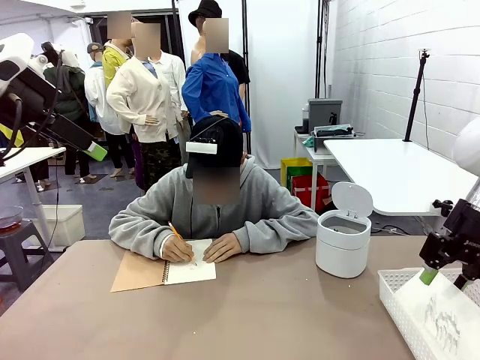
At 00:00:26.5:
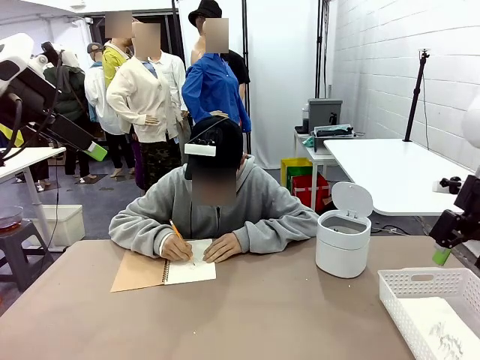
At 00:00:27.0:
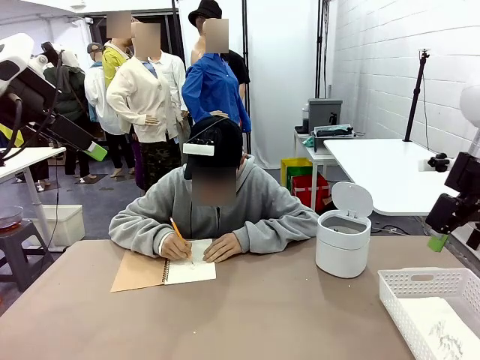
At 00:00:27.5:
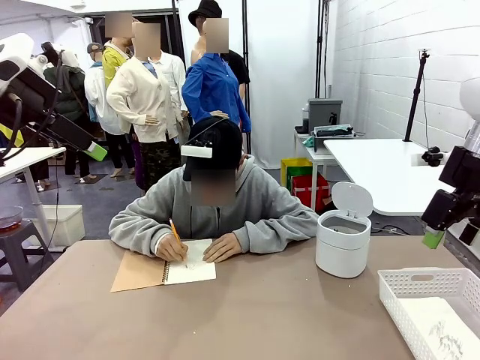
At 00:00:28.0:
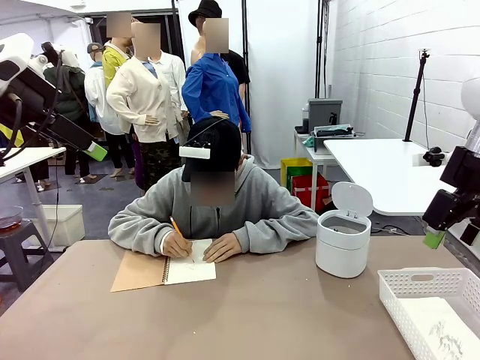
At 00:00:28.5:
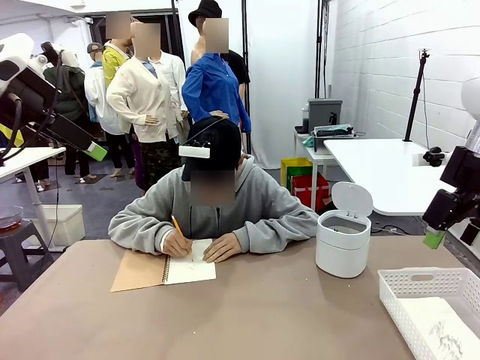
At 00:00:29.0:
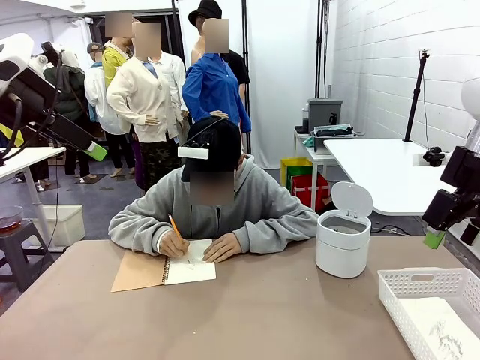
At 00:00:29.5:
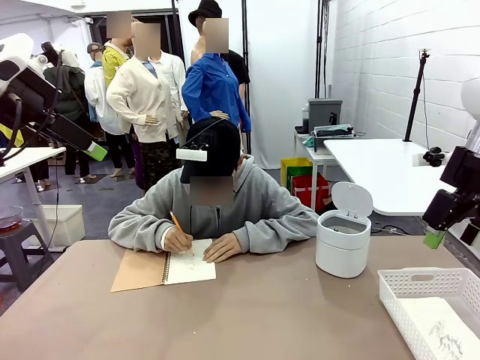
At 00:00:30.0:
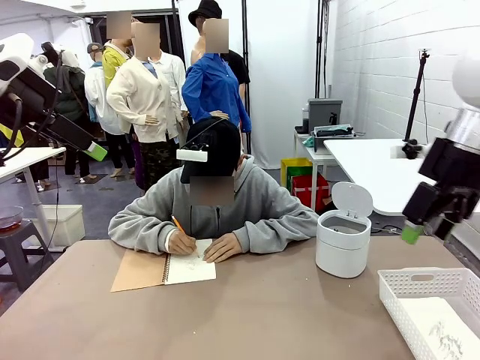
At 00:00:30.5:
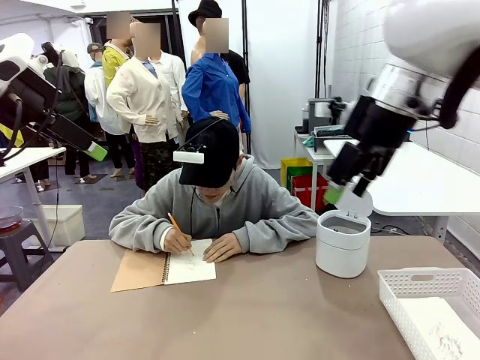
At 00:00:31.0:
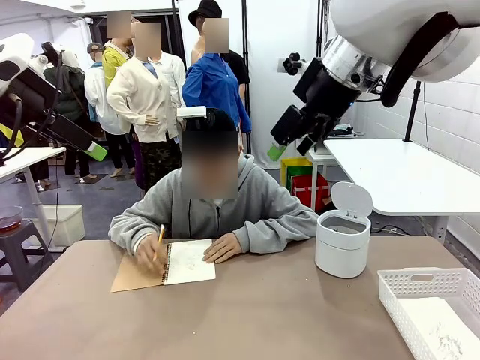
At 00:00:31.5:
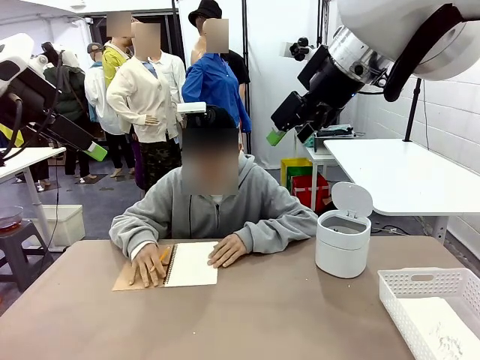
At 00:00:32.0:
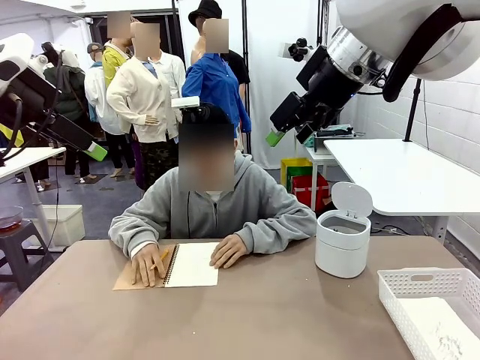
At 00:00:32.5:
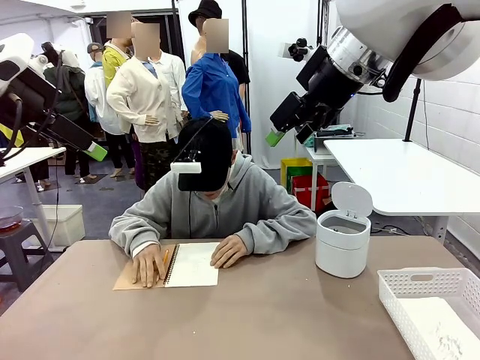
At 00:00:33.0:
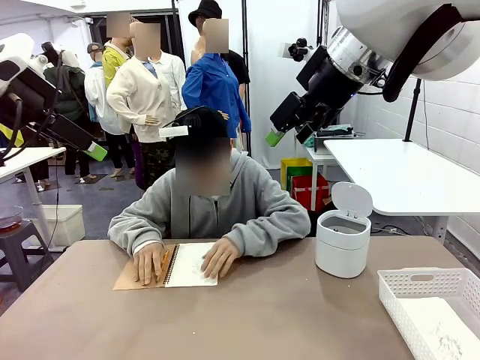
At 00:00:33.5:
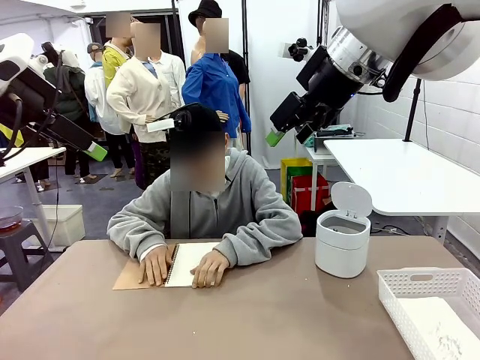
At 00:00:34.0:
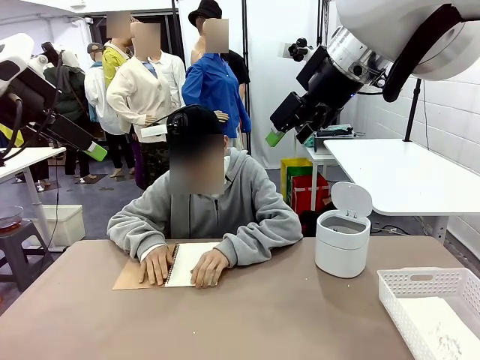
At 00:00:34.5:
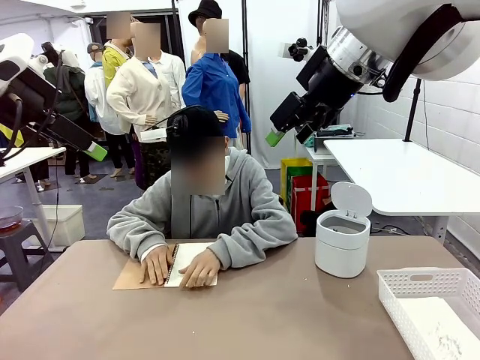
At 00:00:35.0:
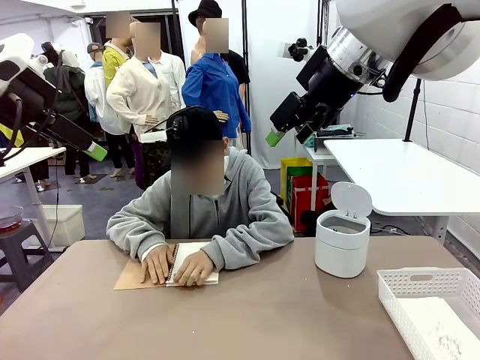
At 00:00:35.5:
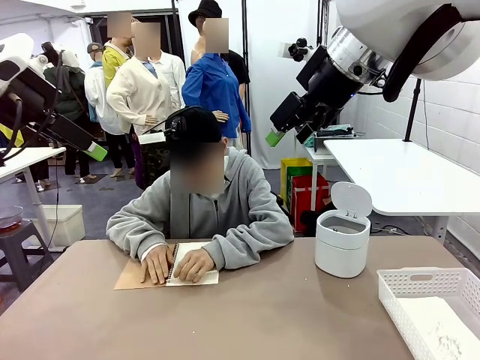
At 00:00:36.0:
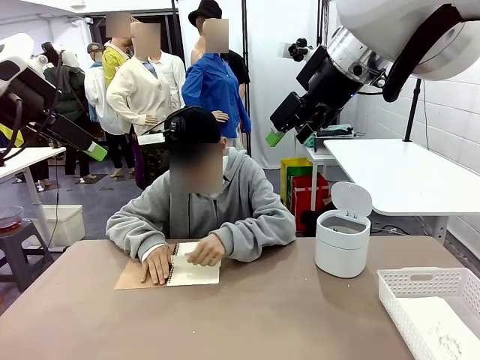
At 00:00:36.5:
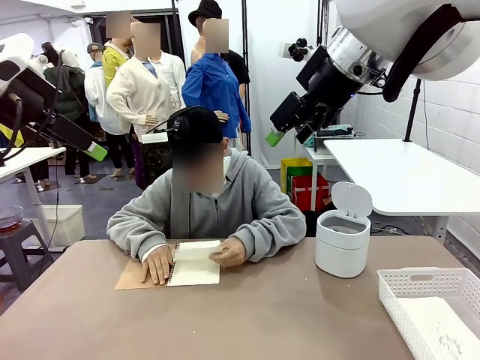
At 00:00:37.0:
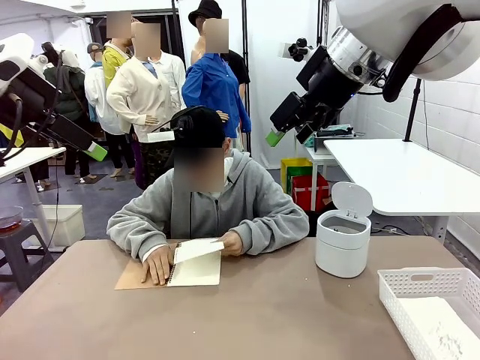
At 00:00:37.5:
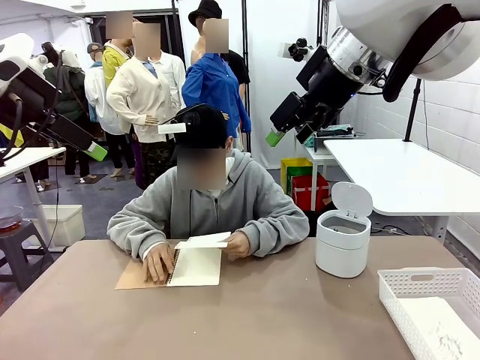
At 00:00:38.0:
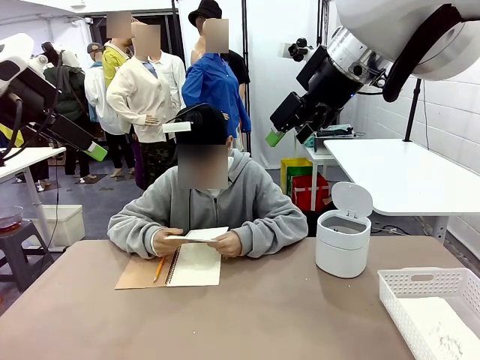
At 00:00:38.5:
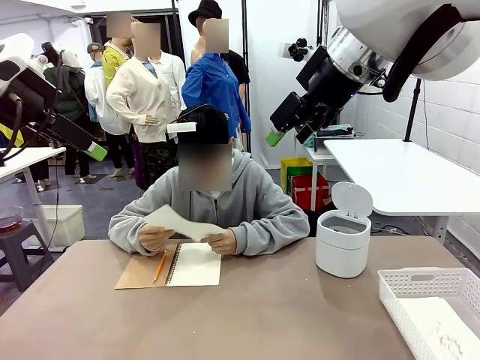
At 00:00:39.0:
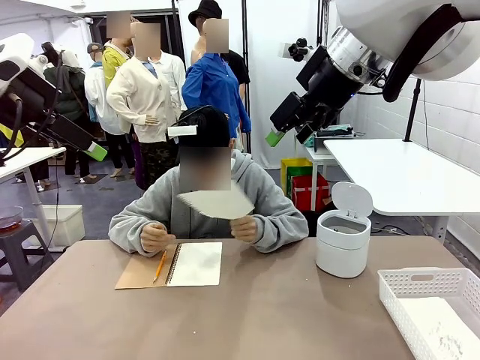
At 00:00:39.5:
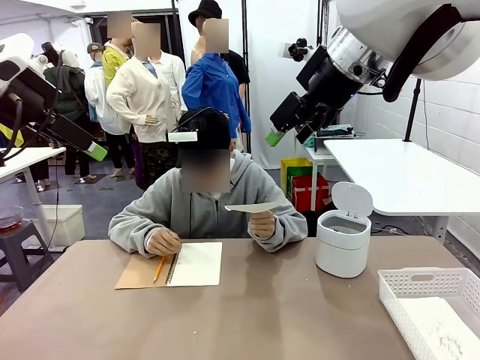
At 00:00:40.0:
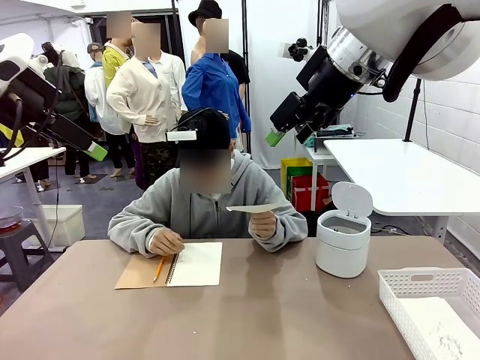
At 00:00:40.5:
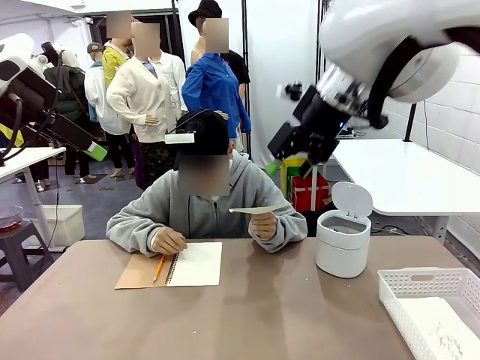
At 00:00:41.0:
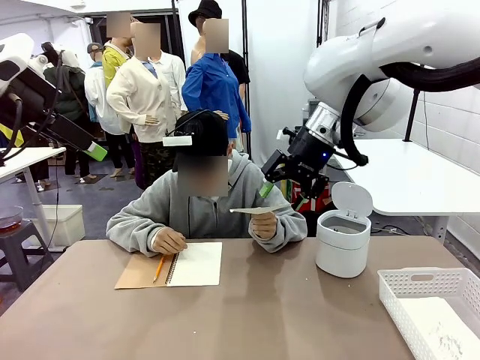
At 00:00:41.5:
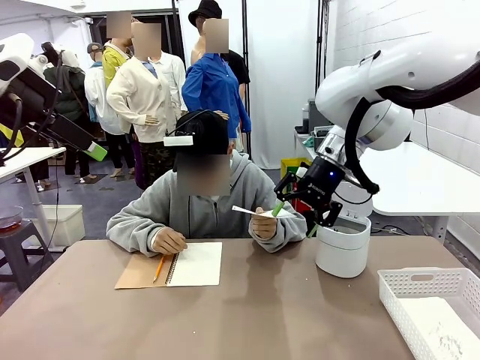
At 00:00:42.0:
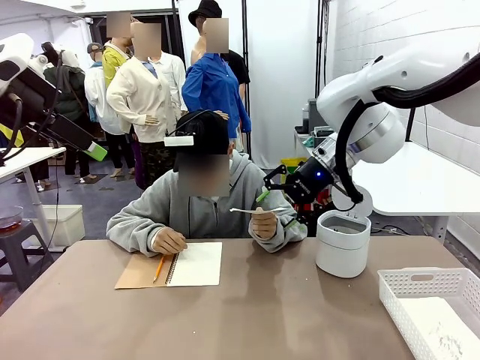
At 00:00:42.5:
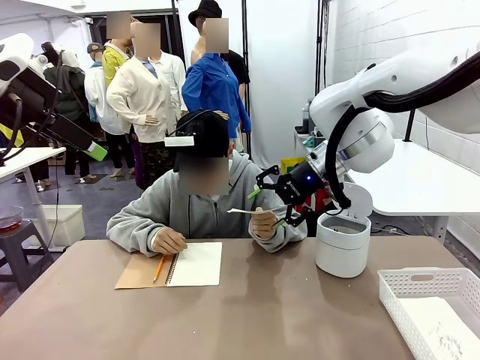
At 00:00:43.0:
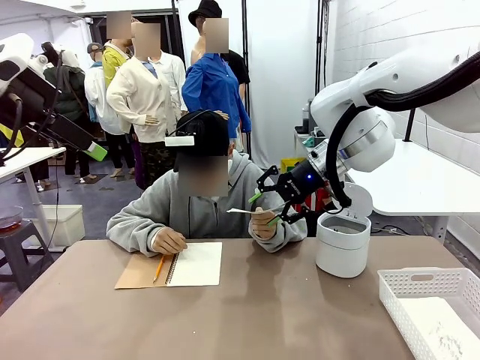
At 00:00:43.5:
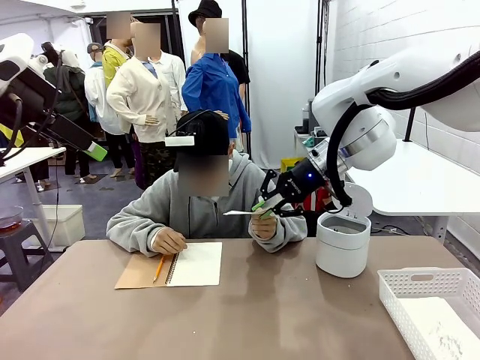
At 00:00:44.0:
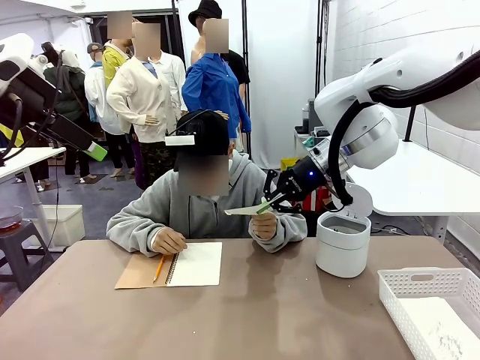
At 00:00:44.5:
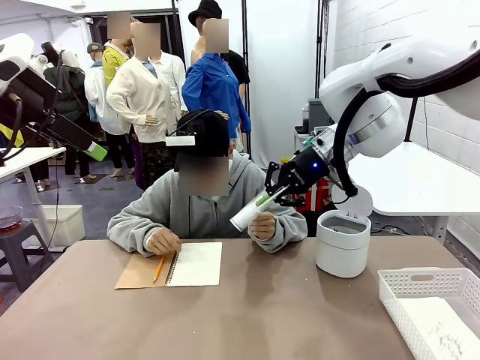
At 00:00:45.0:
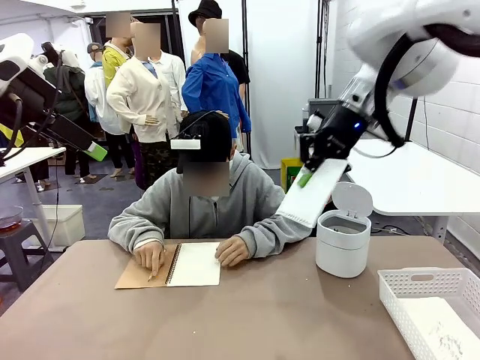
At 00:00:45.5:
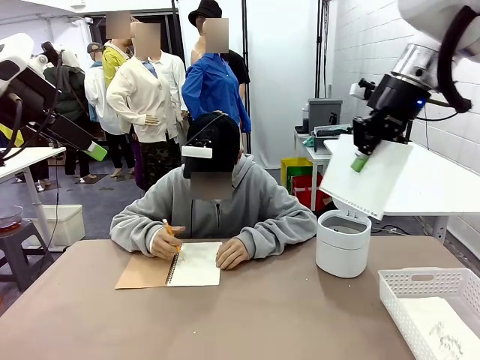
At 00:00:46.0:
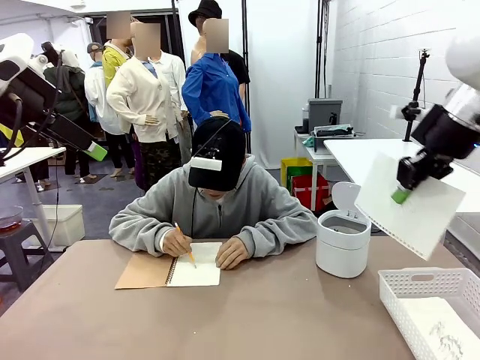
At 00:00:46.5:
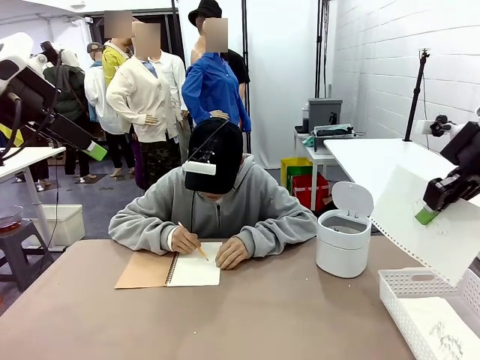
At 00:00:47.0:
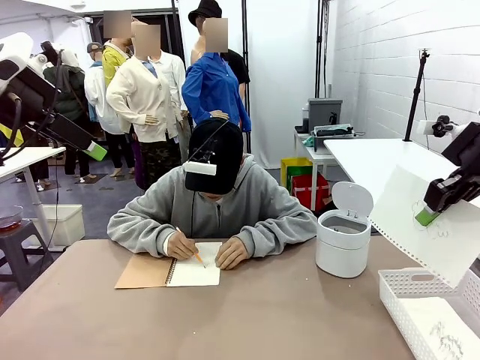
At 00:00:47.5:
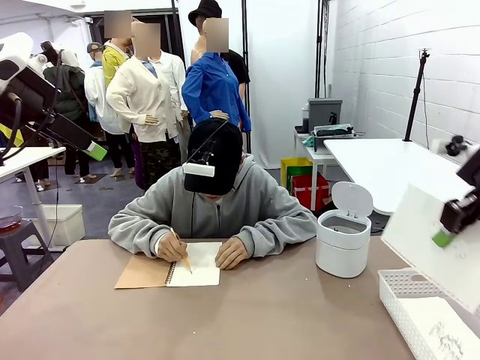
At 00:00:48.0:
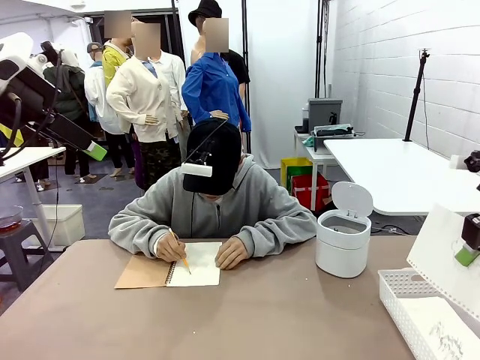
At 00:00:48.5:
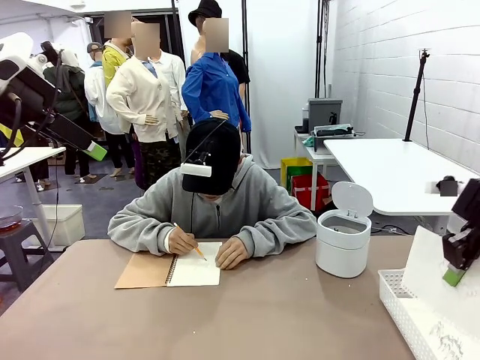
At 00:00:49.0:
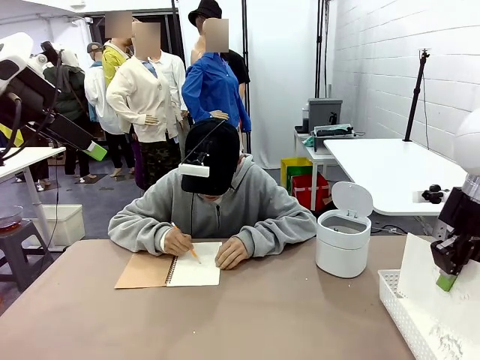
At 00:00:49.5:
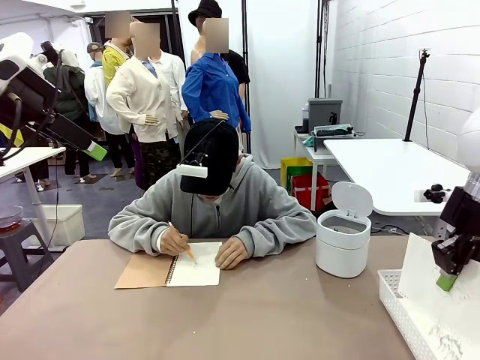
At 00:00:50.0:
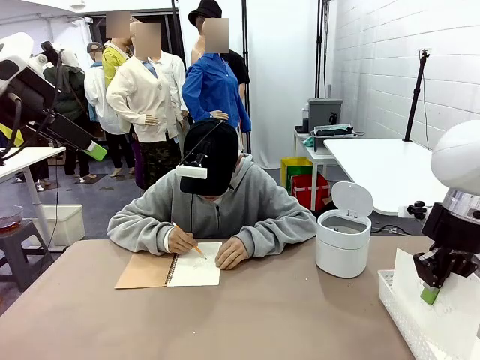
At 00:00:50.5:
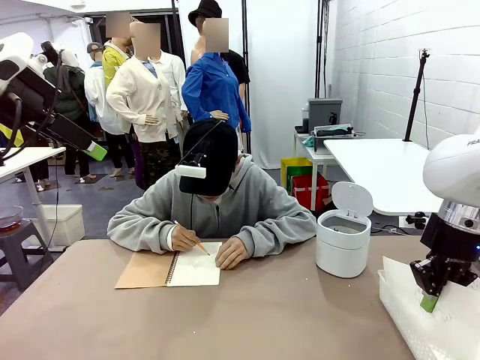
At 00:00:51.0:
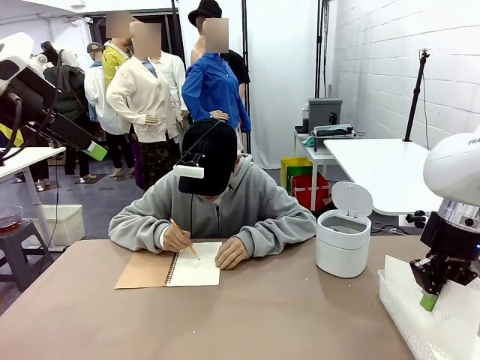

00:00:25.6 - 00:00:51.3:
Task: Sort the paper based on its condition.
Robot: If a person hands you a paper, place it in the Organizing basket , and if it's crumpled, put it in the Trash can.
Person: Tear out a page from the spiral notebook. Hand the torn page to the robot or crumple it and throw it to the center of the table. Tear out a page from the spiral notebook.
